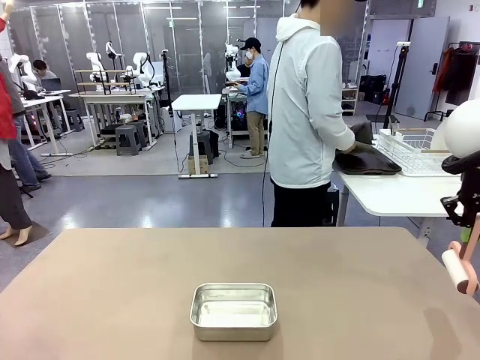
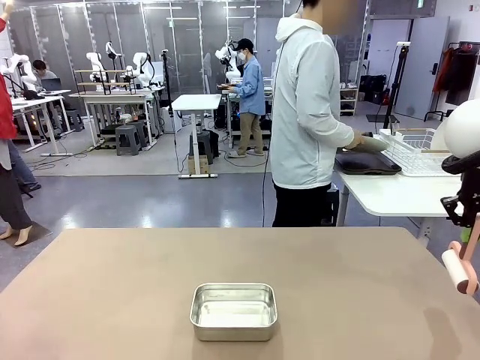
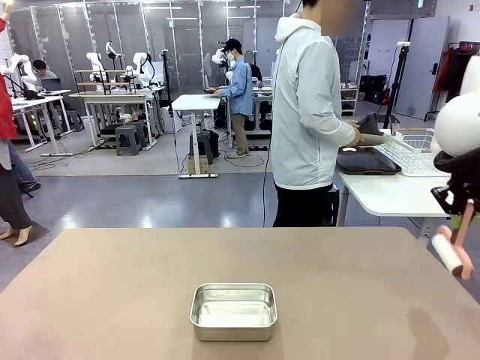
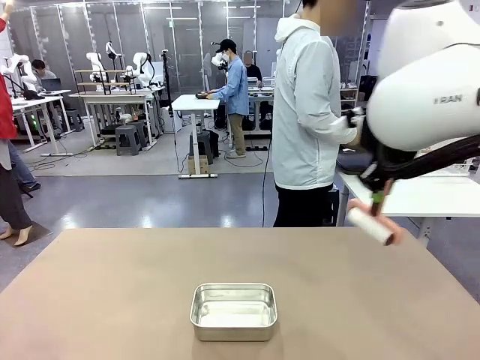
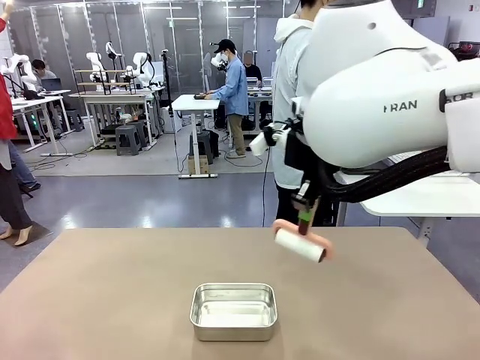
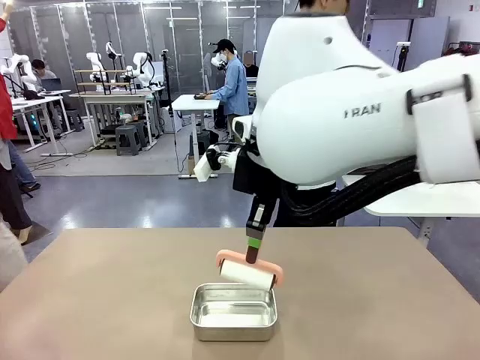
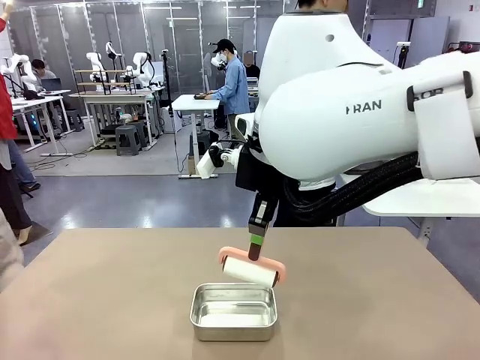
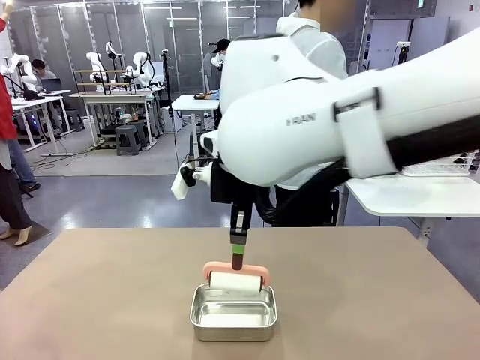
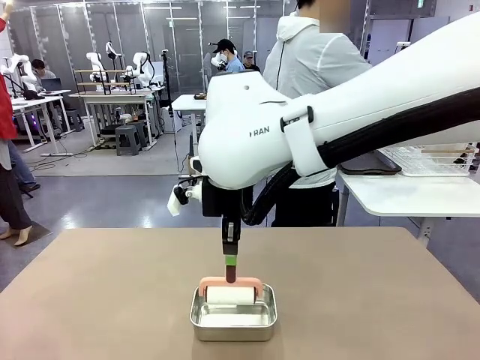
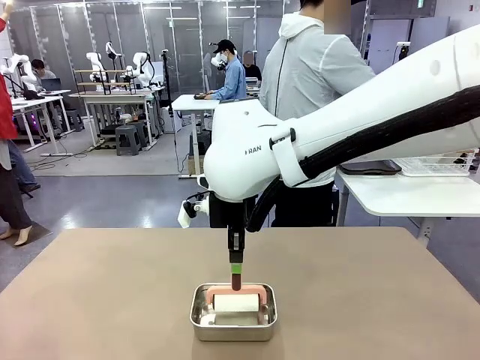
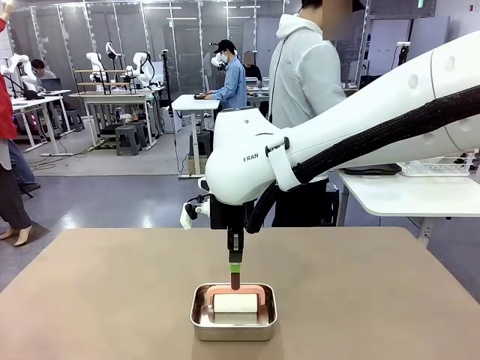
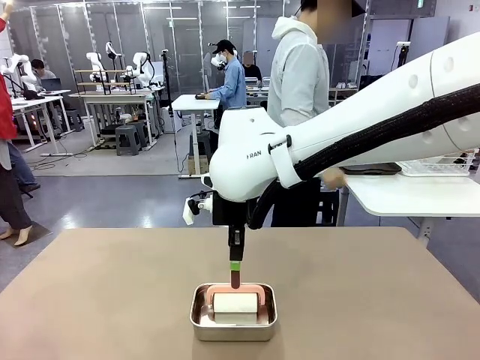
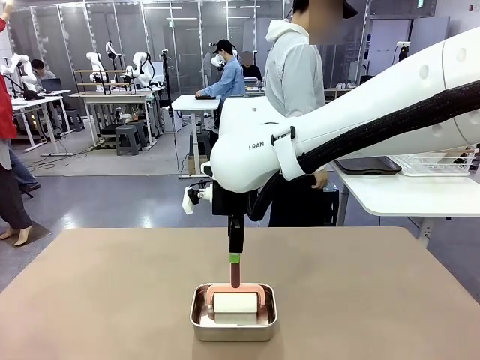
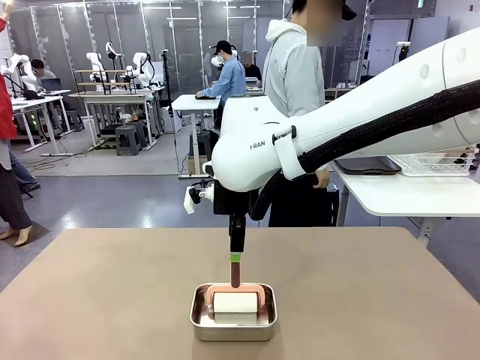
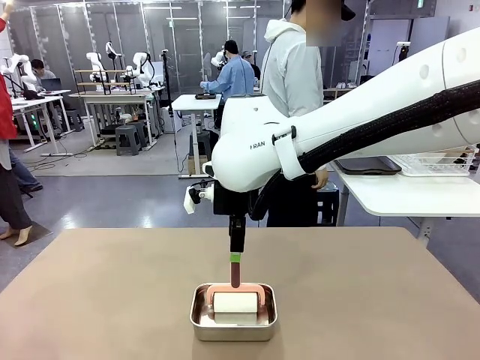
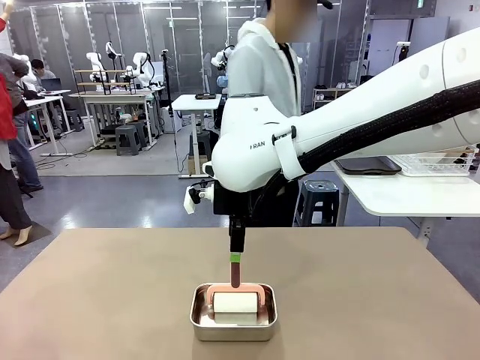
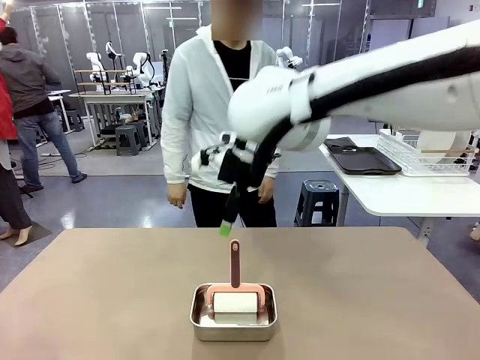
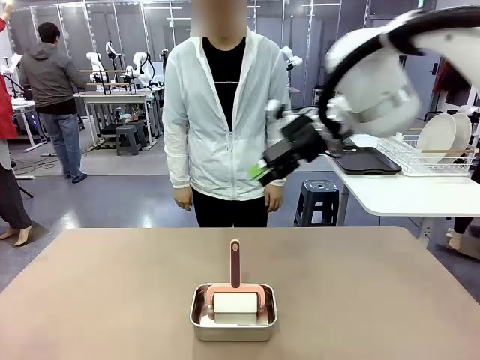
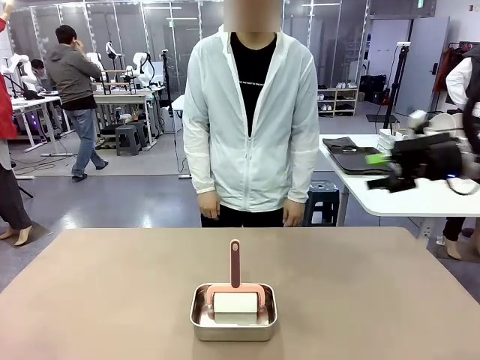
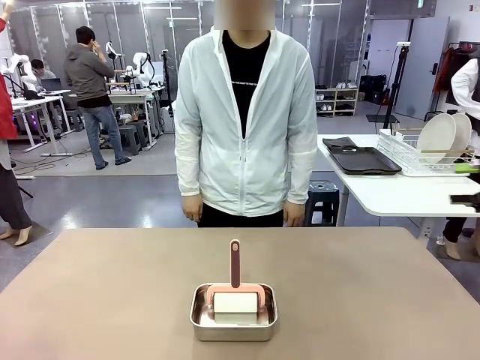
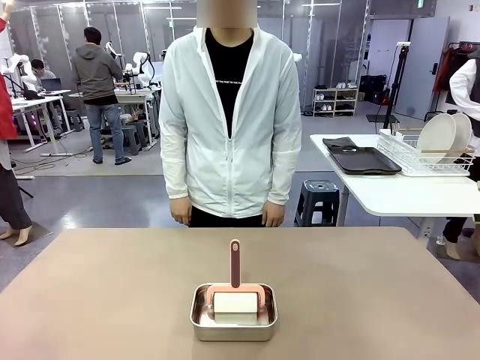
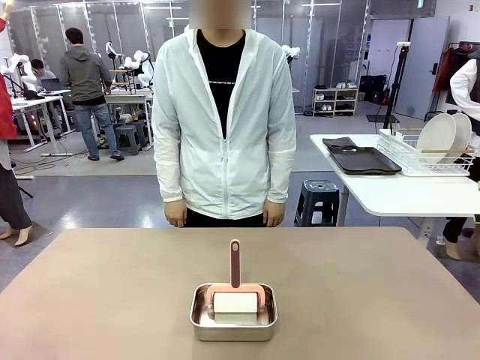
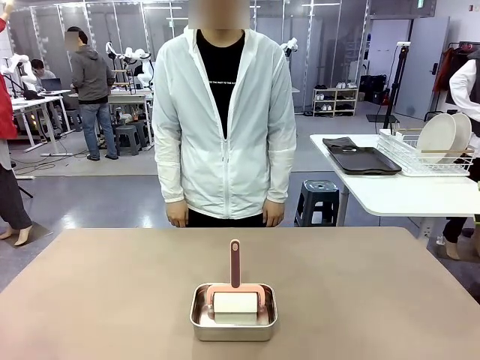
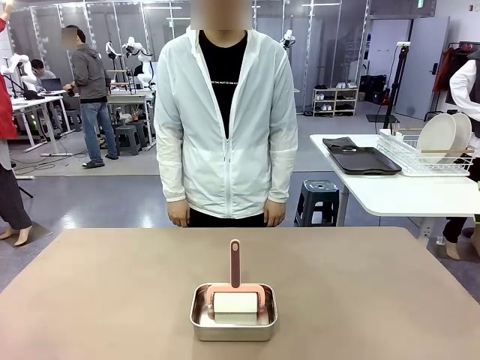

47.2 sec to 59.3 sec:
Robot: Place the Lint Roller back on top of the Airtight Container.
Person: Use the Towel with hook to wipe the Plastic Matte Plate , Fork , and Knife and place into the Dish drying rack.

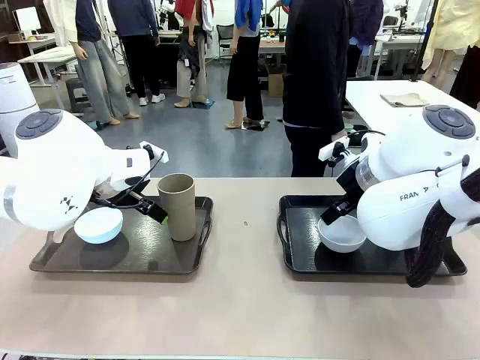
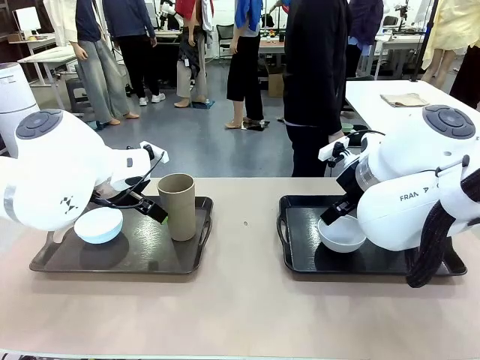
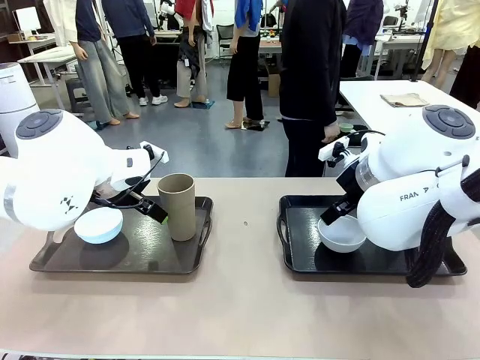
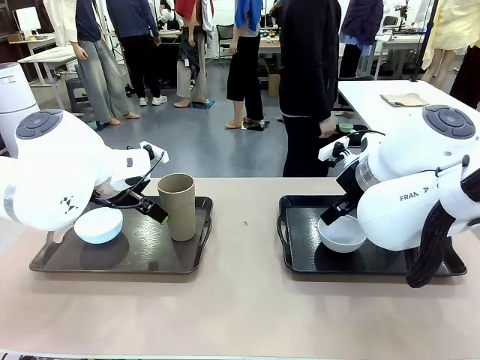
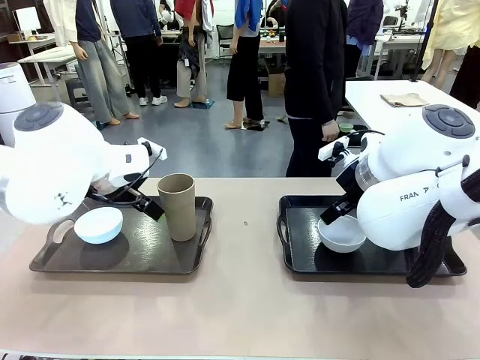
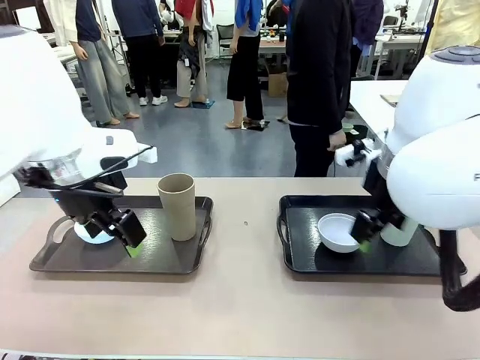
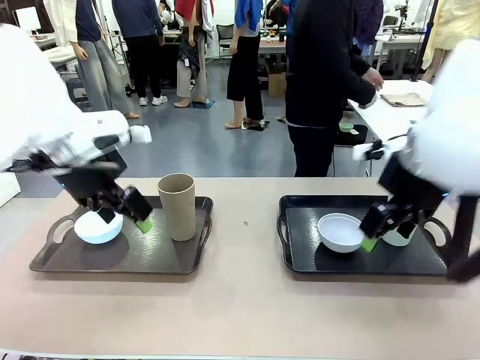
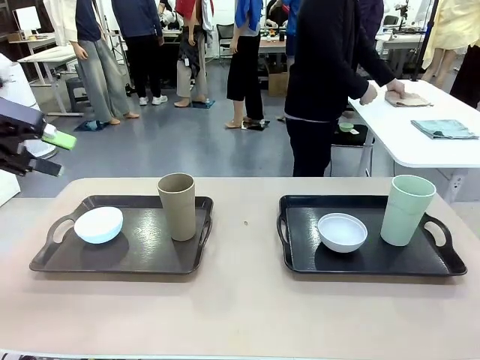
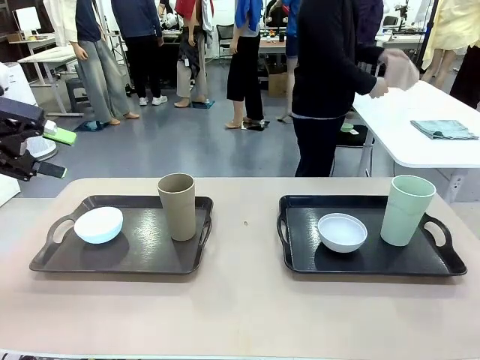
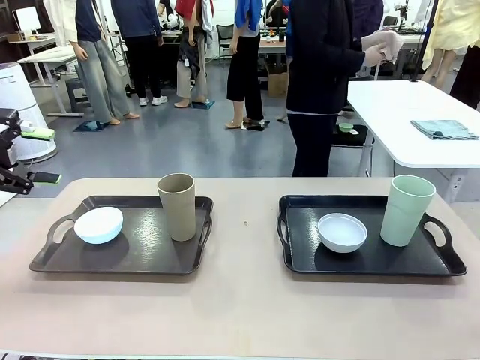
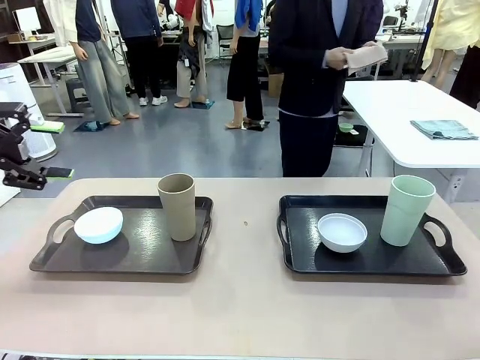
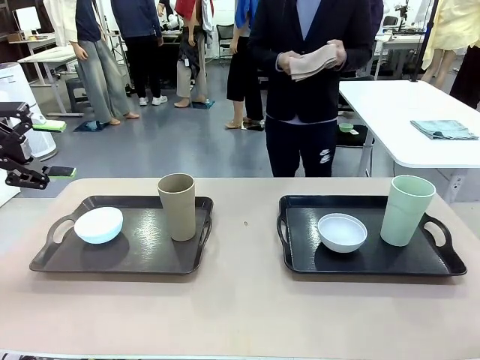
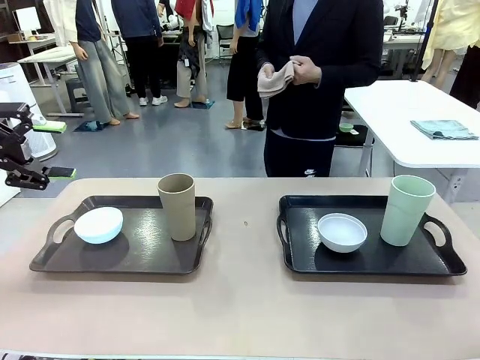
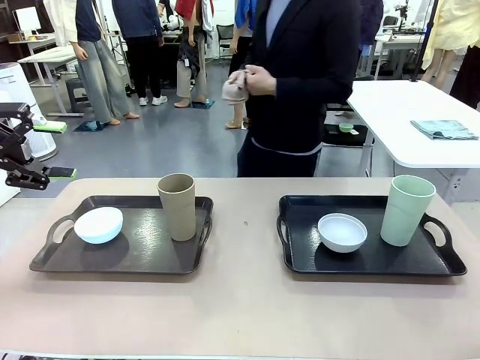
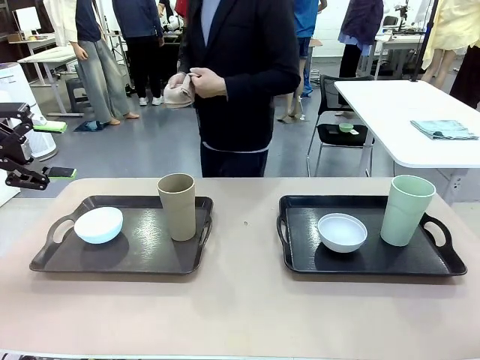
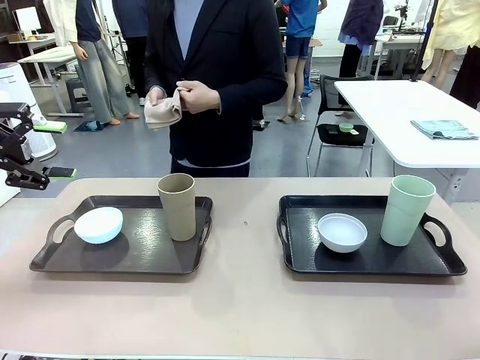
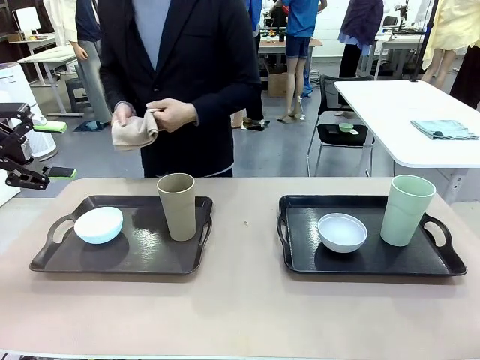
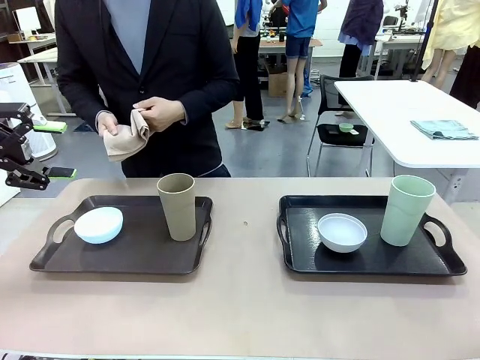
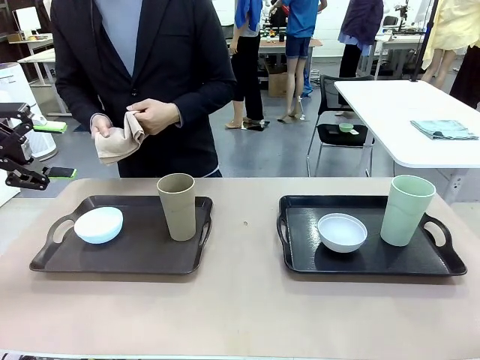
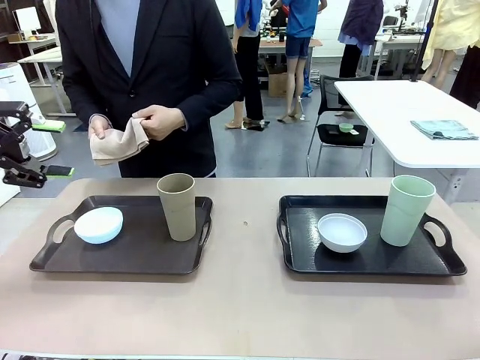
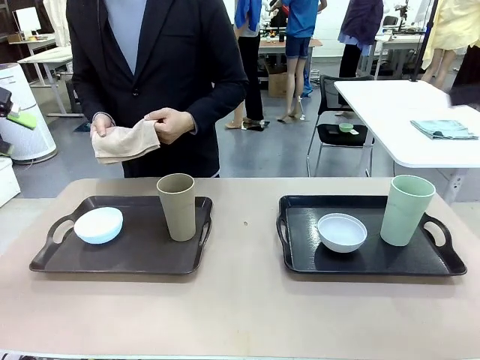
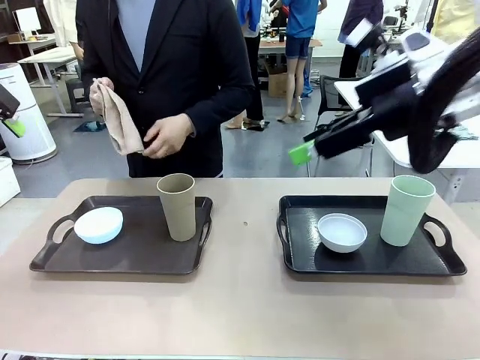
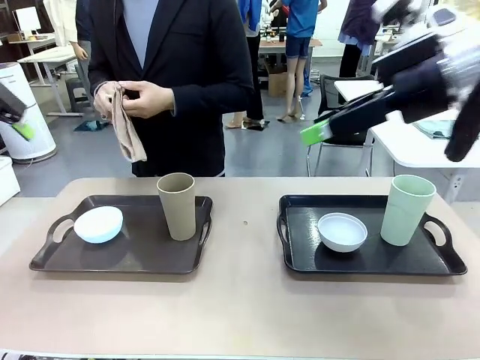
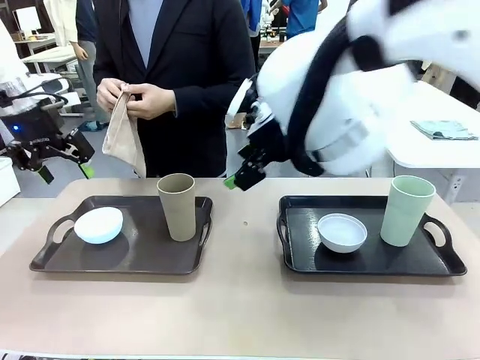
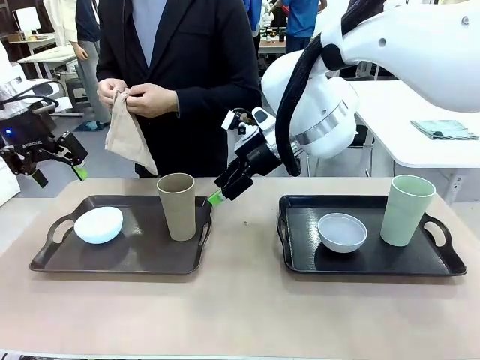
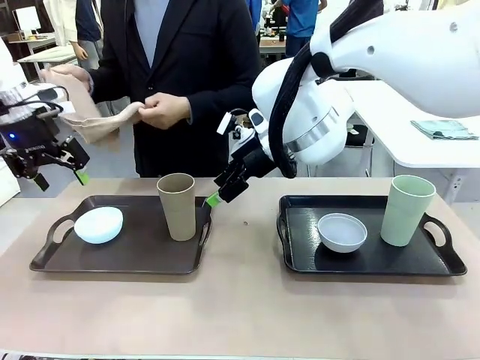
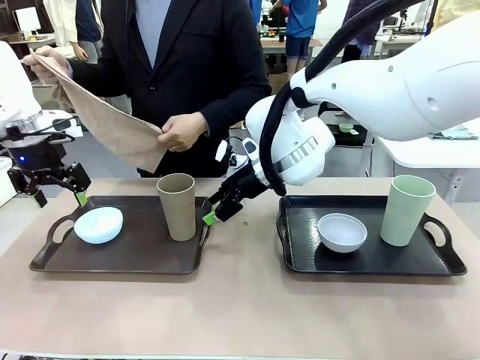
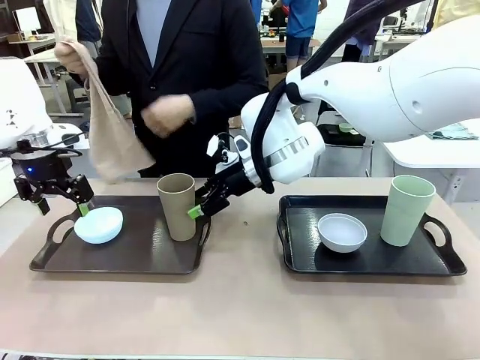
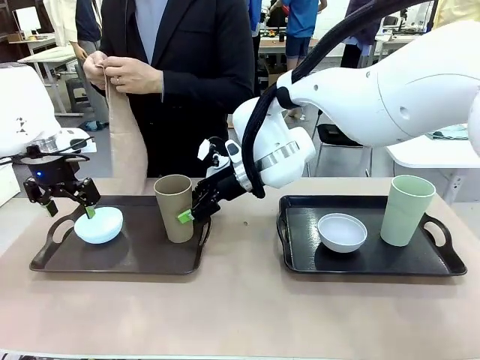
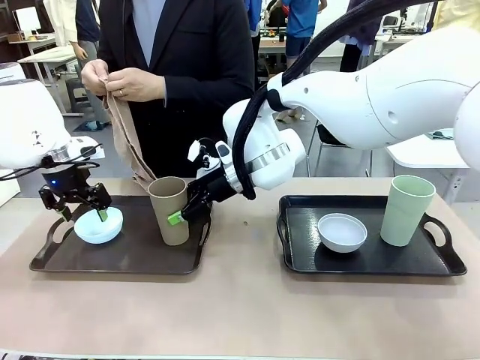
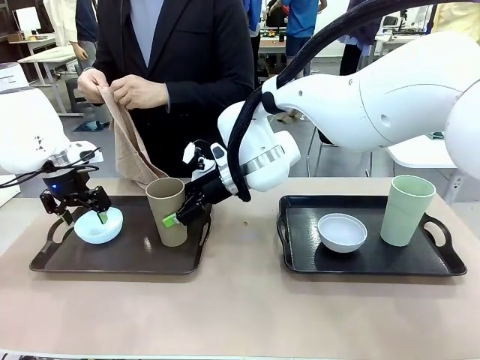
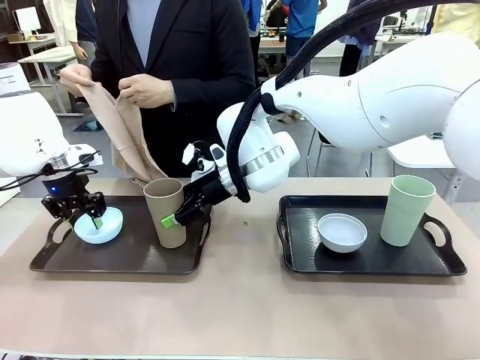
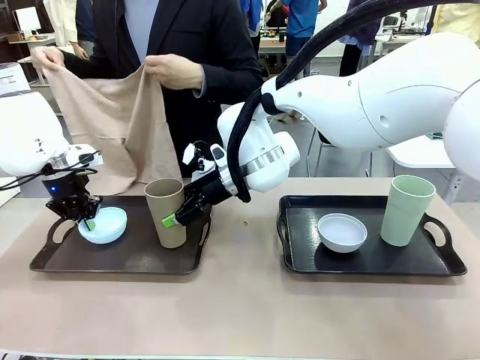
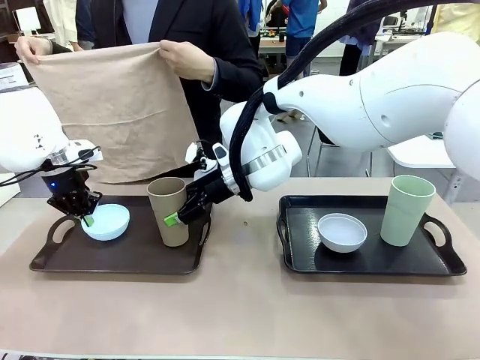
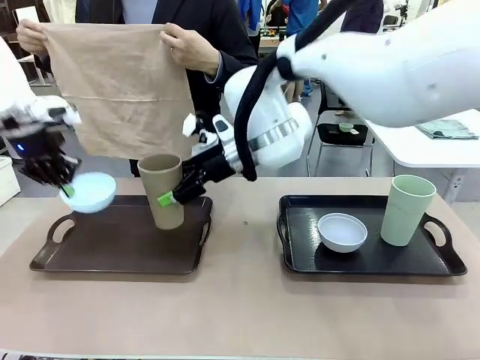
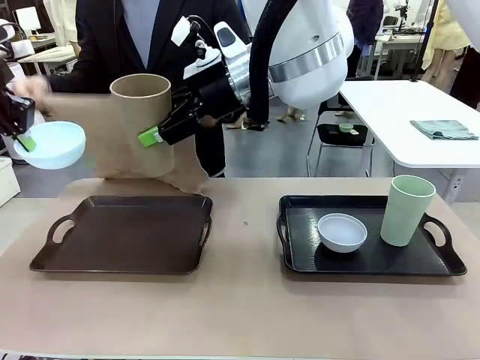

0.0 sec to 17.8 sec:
Robot: Pick up the Picnic Bowl and Reusable plastic cup from the Handle tray in front of the human's position and hold them in the air.
Person: The human picks up the top napkin from the stack on the human table and walks to the robot table to stand in front of one of the two trays. When the robot lifts the bowl and the cup, the human unfolds the napkin and lays the napkin flat on the tray.
